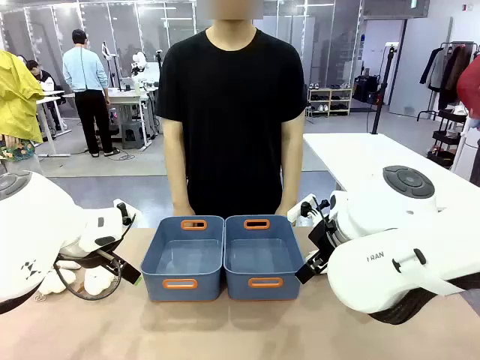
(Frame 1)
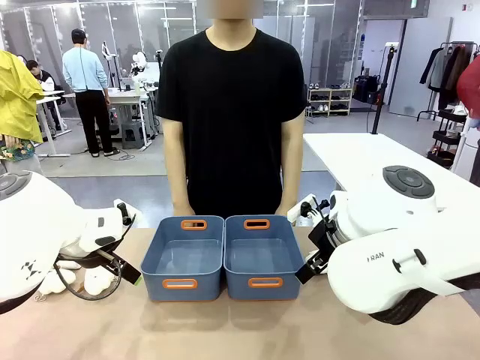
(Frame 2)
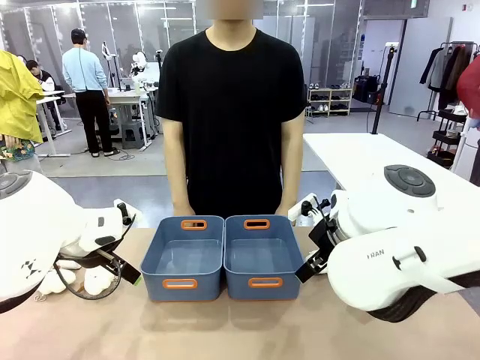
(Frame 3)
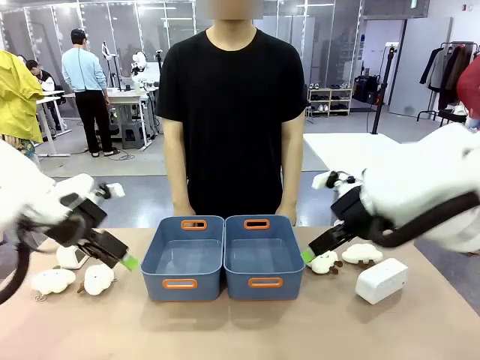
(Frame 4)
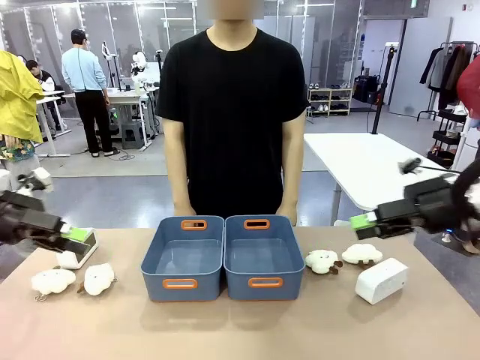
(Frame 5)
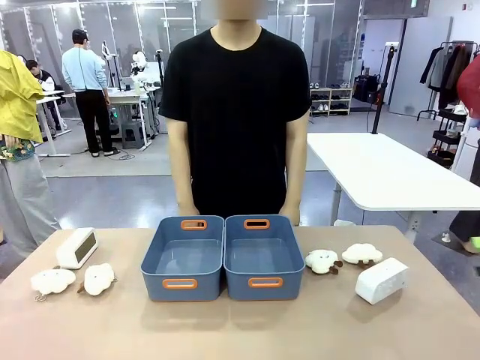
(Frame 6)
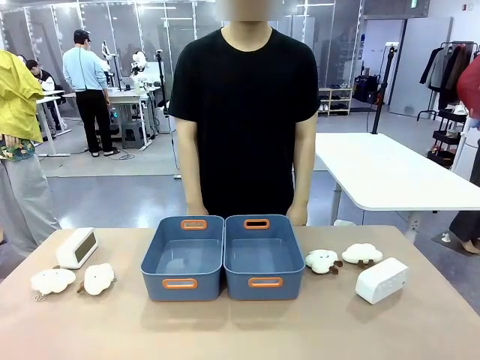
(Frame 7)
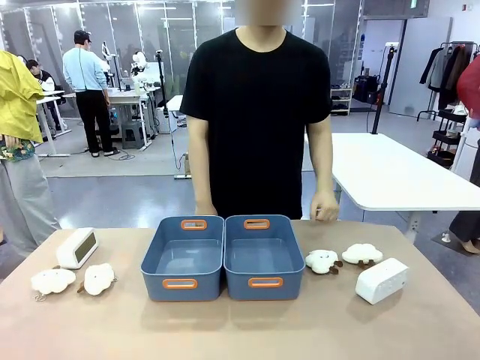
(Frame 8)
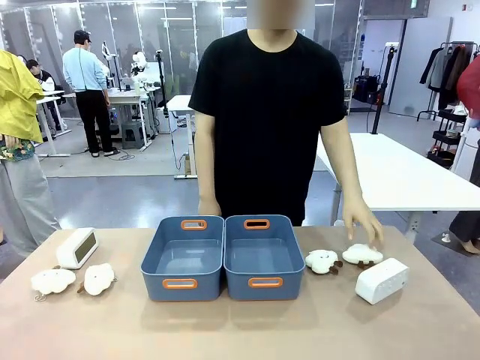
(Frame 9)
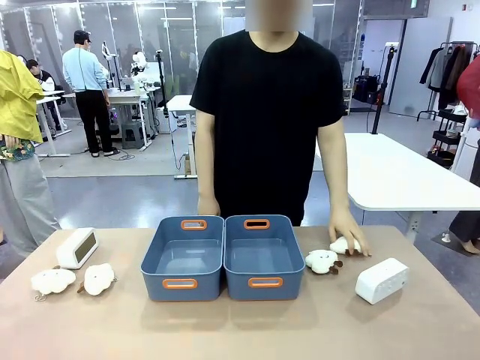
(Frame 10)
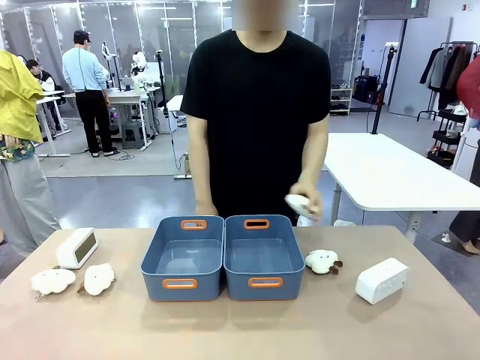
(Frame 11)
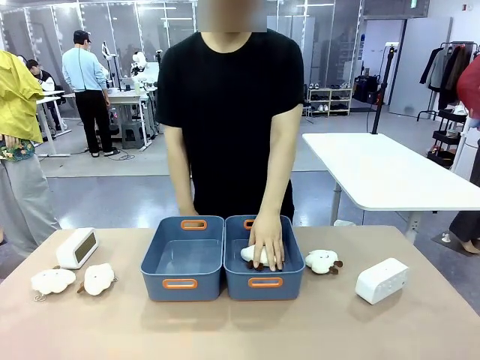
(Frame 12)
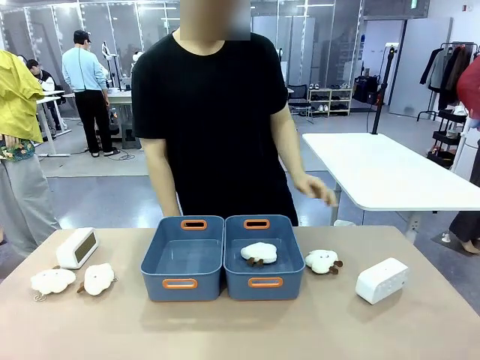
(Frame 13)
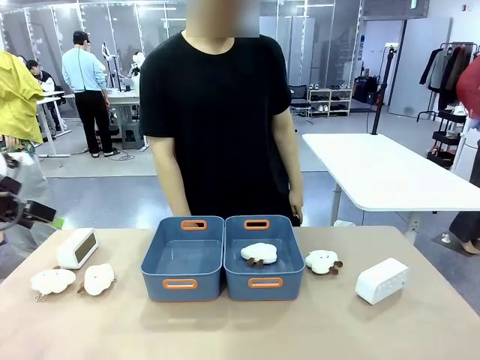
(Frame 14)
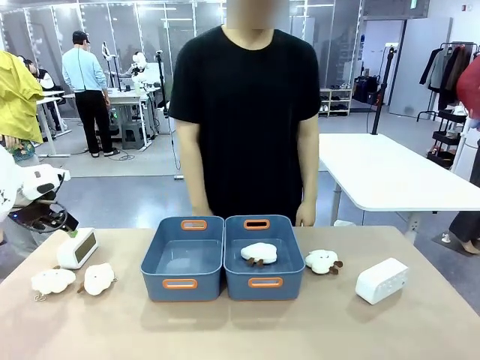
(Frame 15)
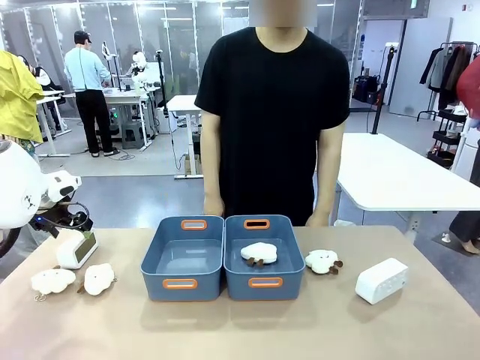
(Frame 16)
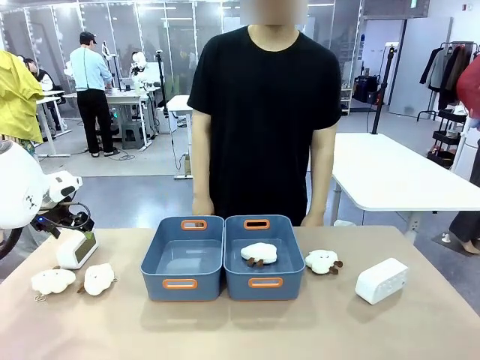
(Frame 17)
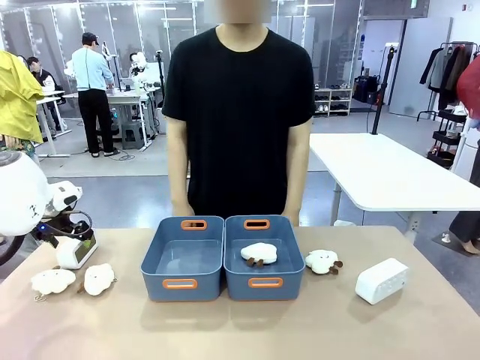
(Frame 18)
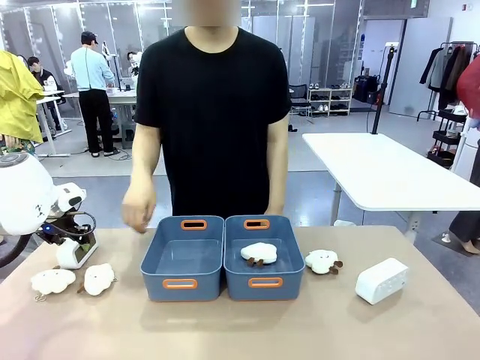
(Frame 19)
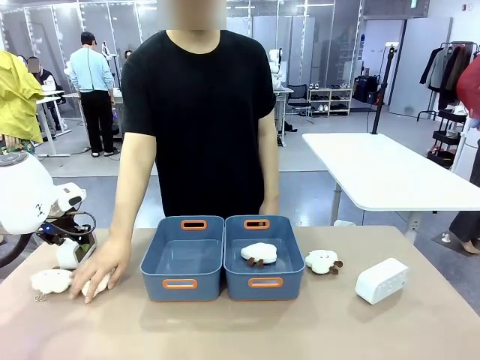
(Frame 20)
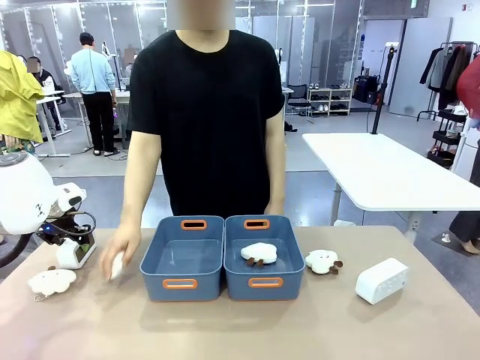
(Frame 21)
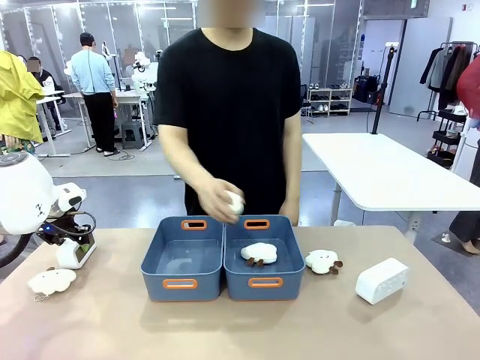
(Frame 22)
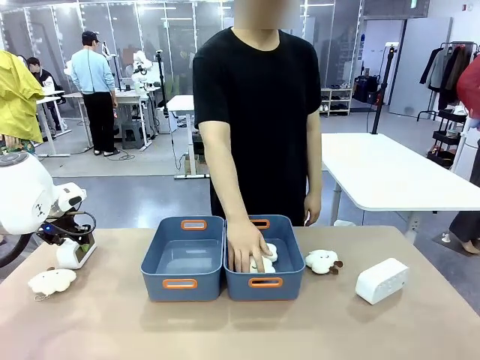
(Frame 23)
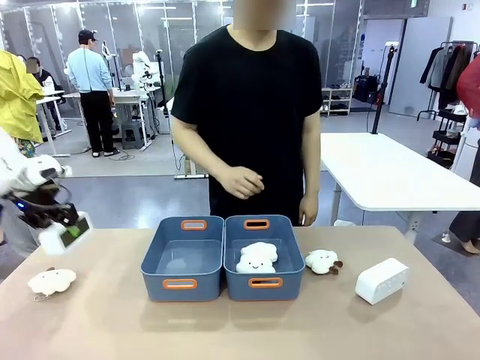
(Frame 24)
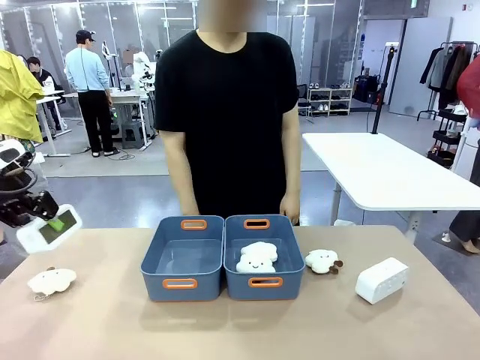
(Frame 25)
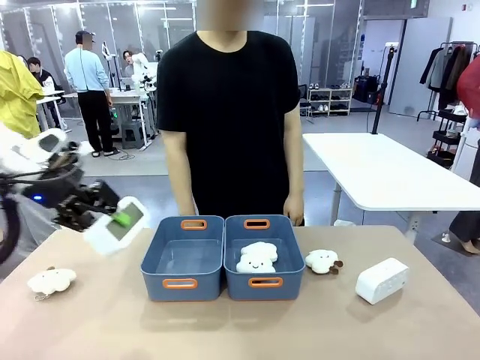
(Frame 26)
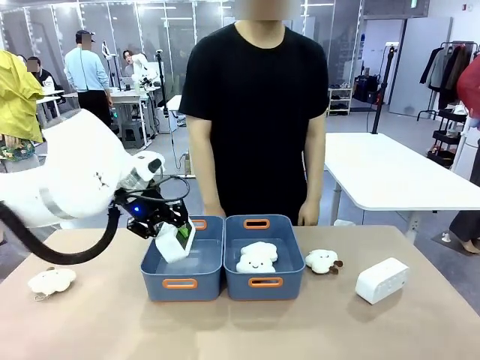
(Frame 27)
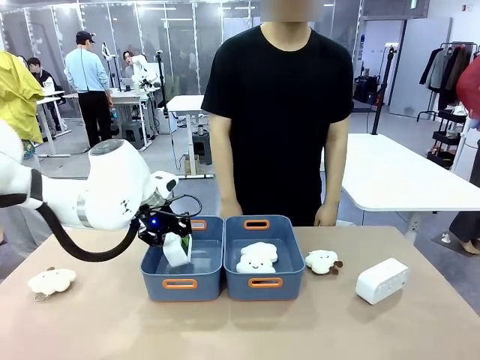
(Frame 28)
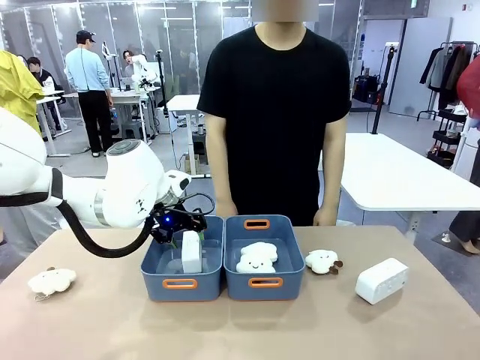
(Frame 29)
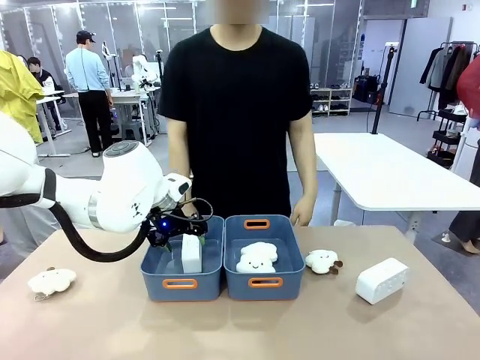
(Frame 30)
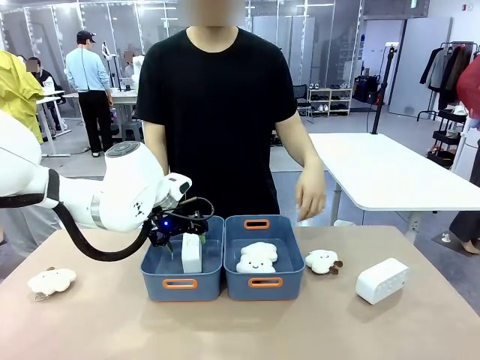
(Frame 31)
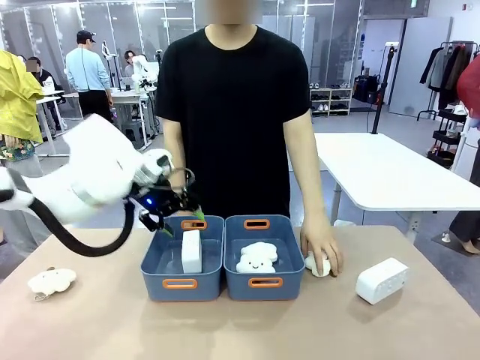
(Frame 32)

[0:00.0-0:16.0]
Task: Sort the digital clocks into the basket.
Robot: Pick up the Digital clock from the table and place it into the empty Plastic storage basket.
Person: Pick up a plush toy from the table and place it in a plastic storage basket.

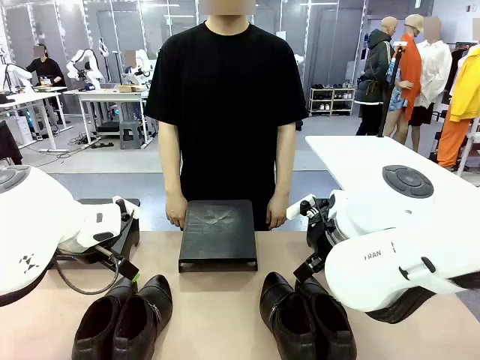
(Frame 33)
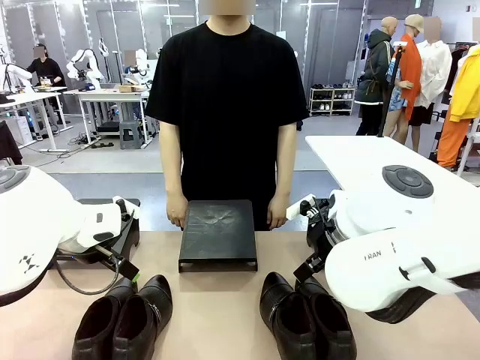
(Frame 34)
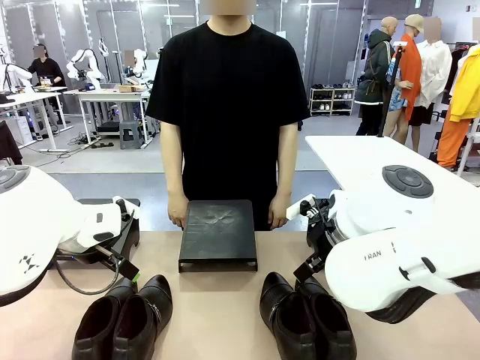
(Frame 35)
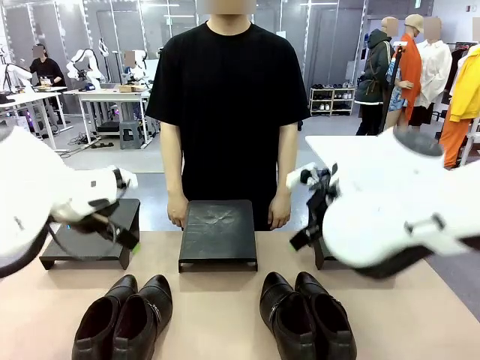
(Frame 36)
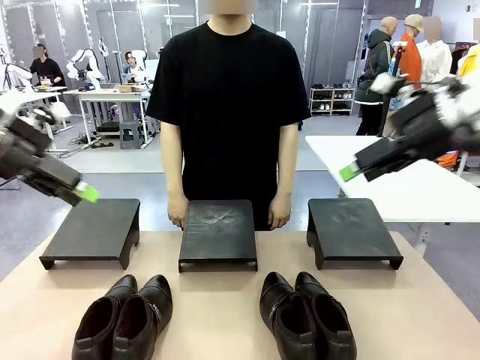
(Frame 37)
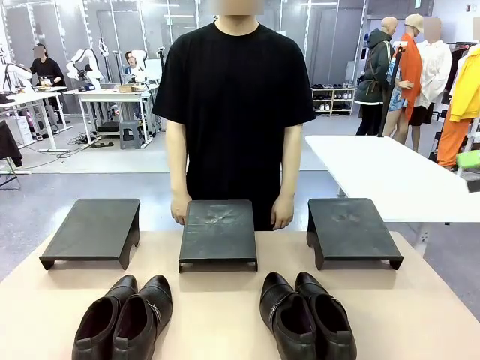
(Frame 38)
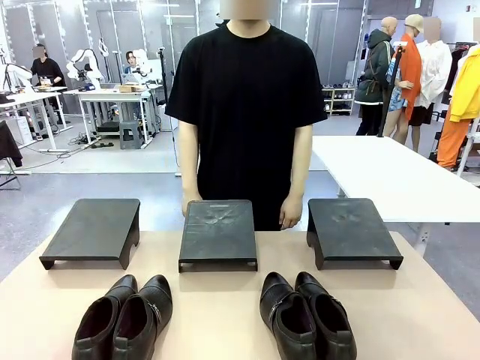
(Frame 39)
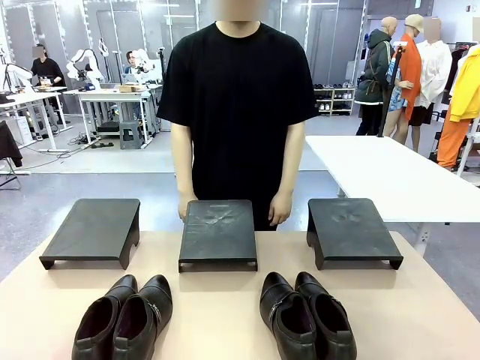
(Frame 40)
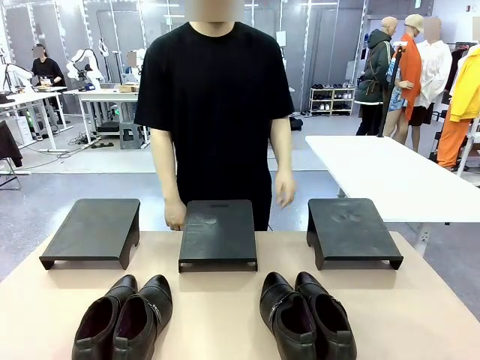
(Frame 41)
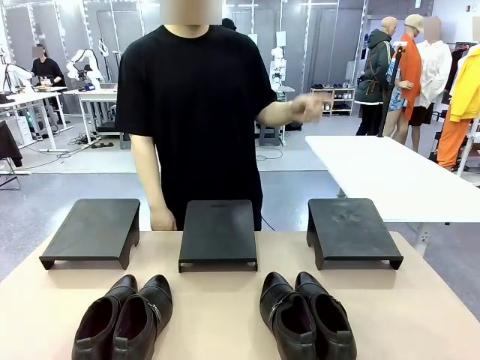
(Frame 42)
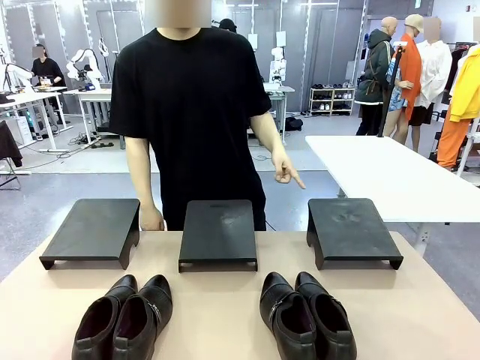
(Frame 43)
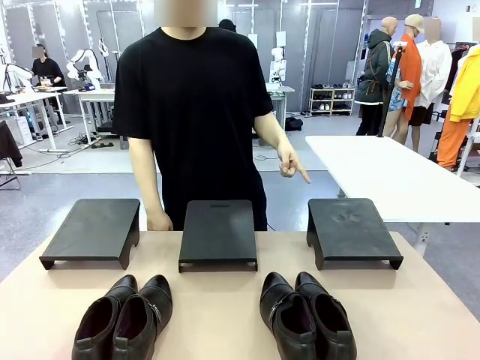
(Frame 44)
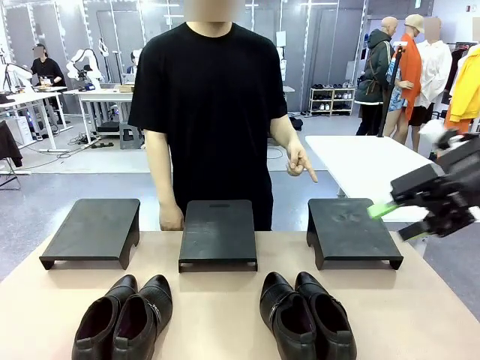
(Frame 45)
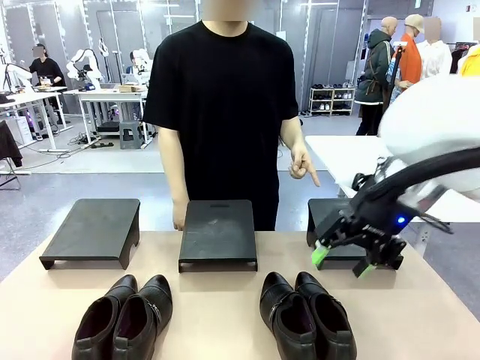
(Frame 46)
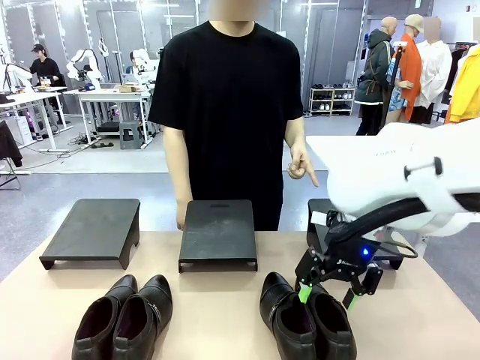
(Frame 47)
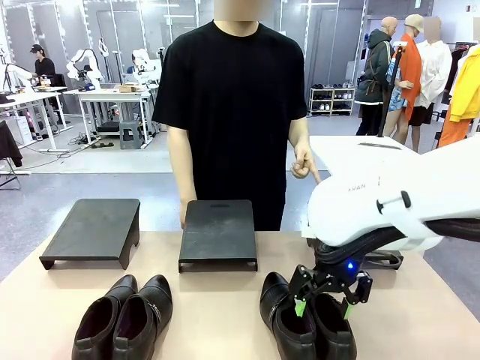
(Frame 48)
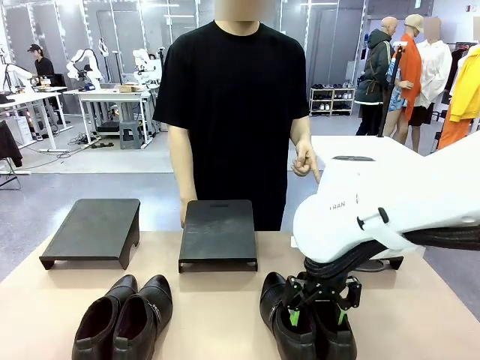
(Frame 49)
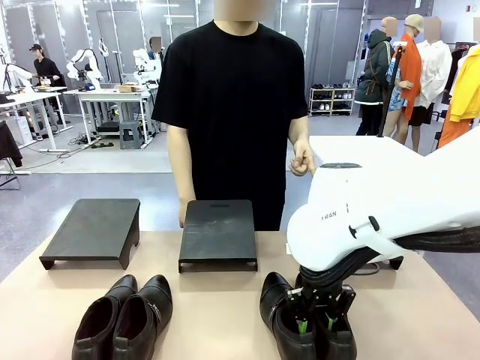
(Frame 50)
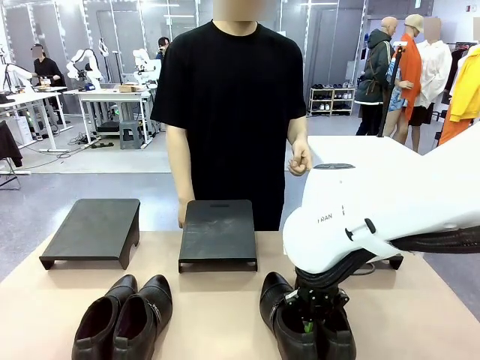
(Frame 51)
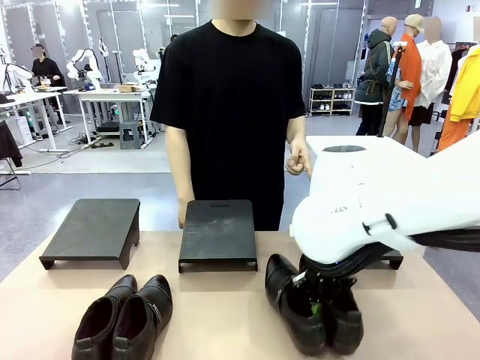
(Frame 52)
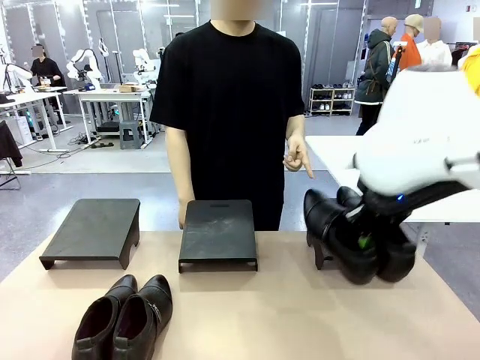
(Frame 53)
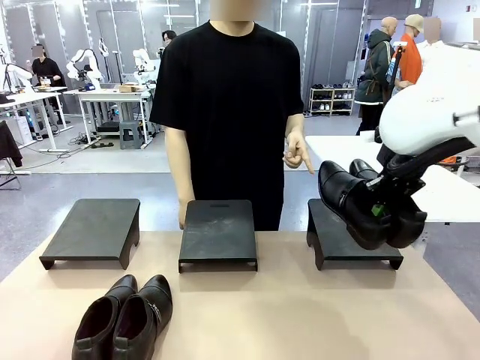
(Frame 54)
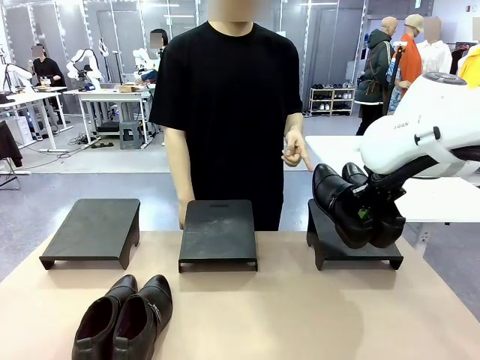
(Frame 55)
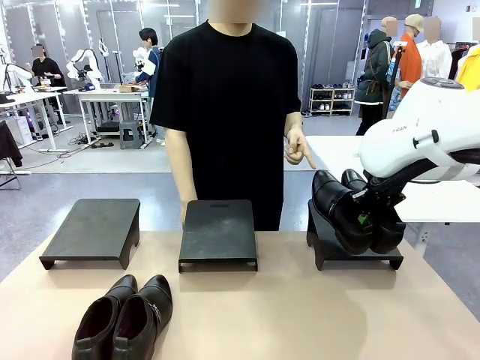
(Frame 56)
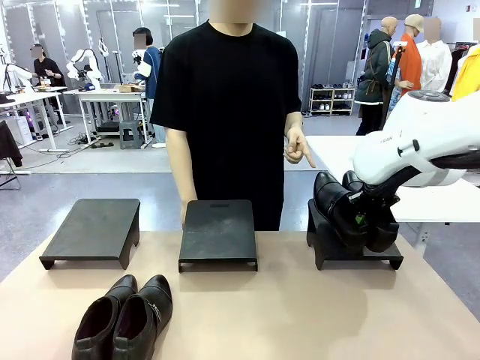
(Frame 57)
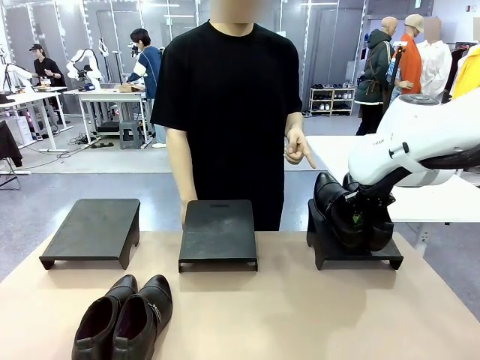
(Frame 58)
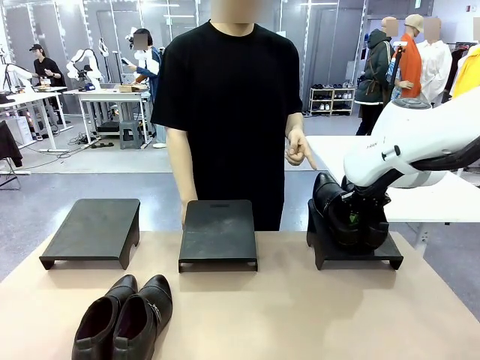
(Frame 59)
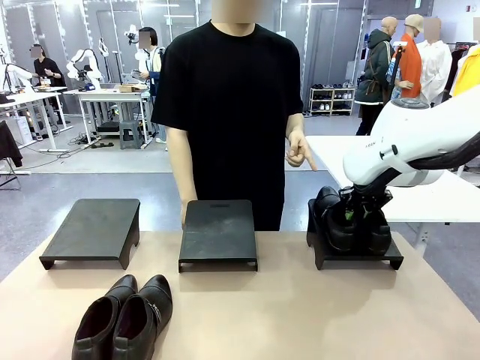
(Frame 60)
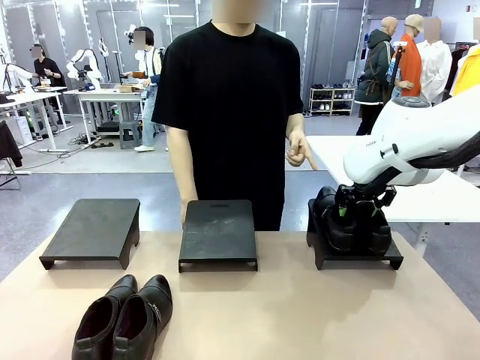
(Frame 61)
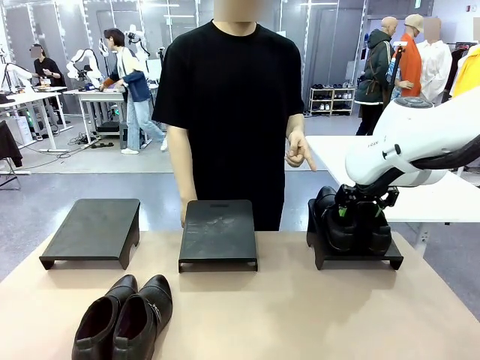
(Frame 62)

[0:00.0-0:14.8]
Task: Place the shoes on the stand as instructed by the person.
Robot: Pick up one pair of Shoes and place it on the Shoes Stand indicated by the person.
